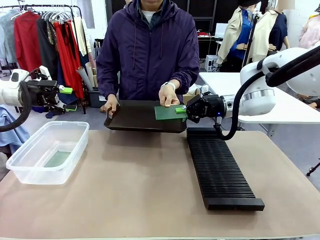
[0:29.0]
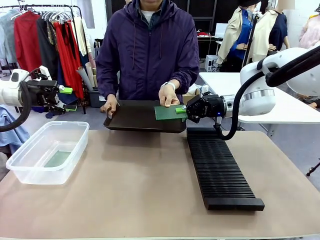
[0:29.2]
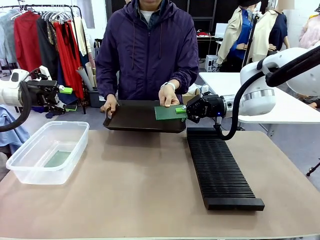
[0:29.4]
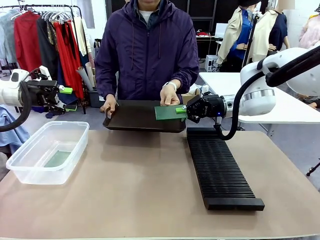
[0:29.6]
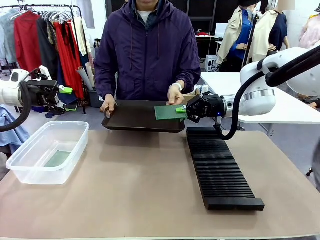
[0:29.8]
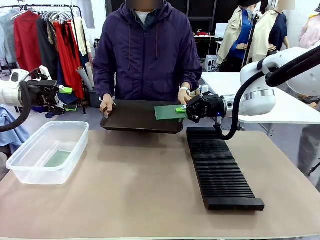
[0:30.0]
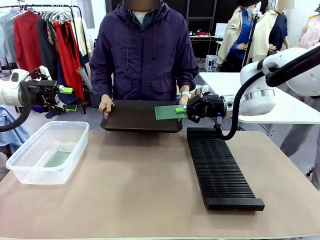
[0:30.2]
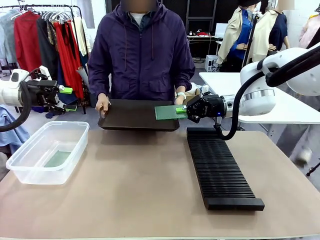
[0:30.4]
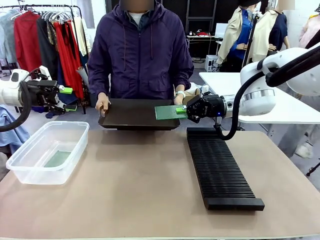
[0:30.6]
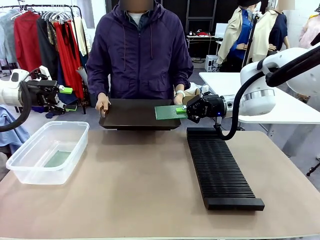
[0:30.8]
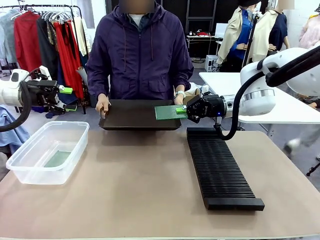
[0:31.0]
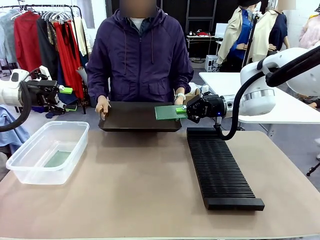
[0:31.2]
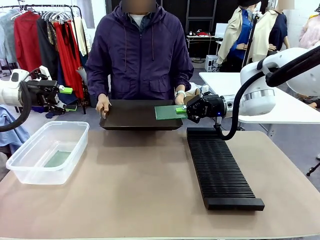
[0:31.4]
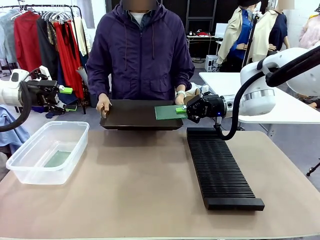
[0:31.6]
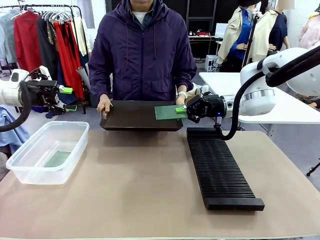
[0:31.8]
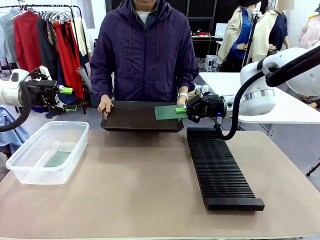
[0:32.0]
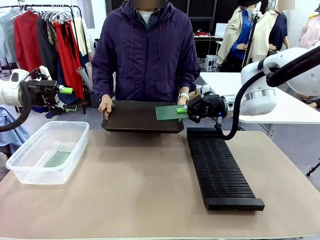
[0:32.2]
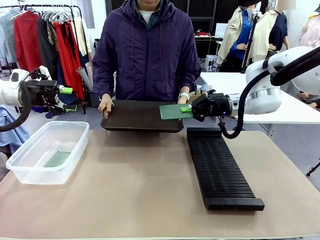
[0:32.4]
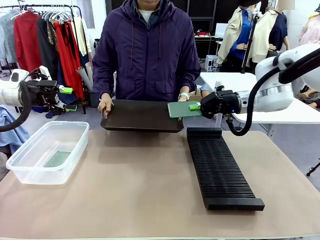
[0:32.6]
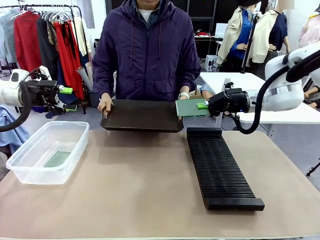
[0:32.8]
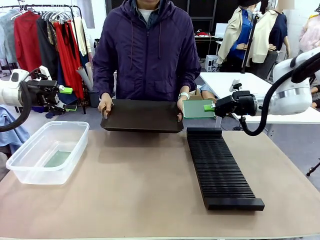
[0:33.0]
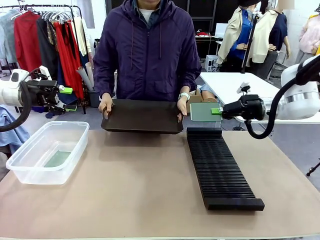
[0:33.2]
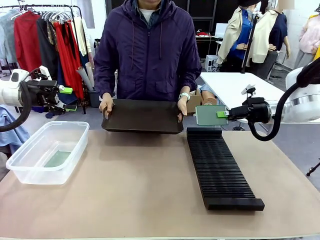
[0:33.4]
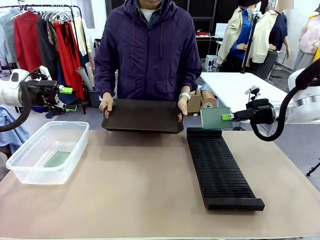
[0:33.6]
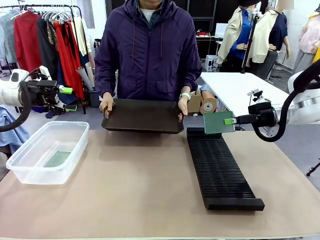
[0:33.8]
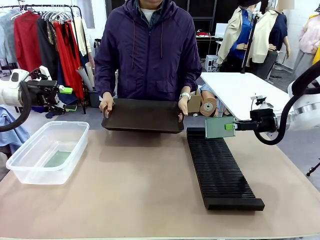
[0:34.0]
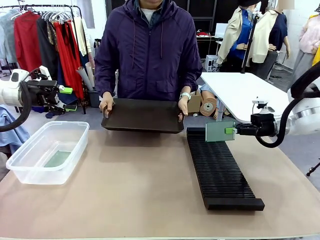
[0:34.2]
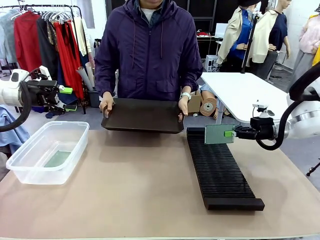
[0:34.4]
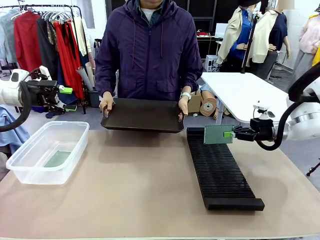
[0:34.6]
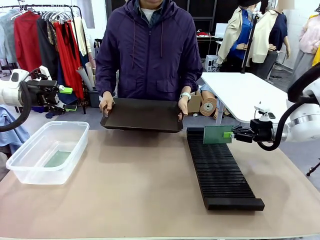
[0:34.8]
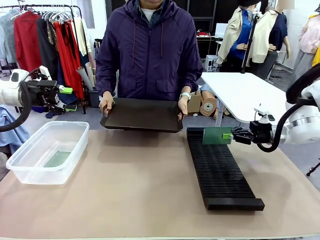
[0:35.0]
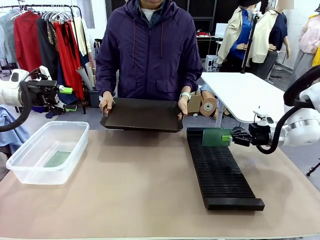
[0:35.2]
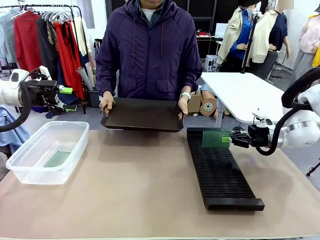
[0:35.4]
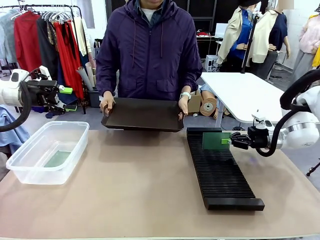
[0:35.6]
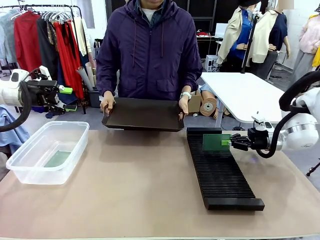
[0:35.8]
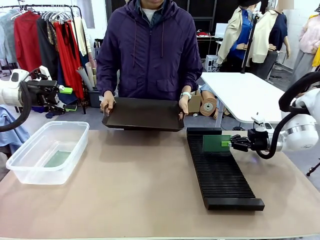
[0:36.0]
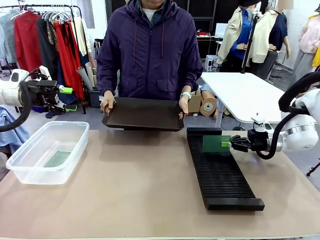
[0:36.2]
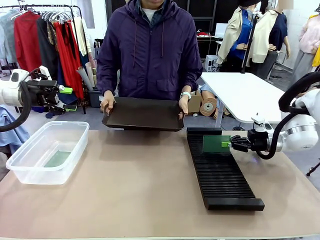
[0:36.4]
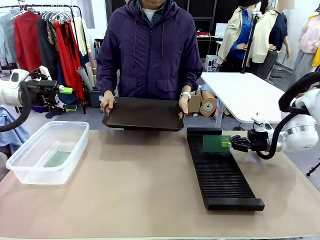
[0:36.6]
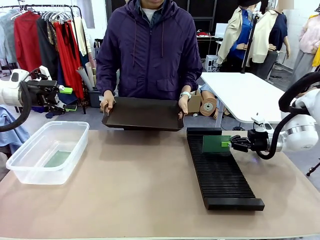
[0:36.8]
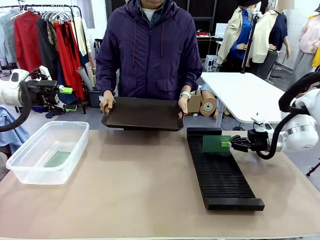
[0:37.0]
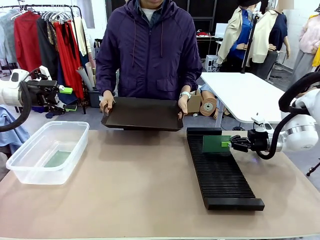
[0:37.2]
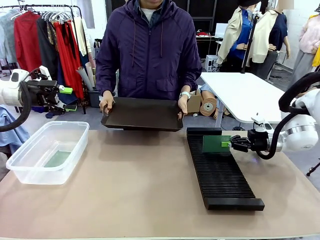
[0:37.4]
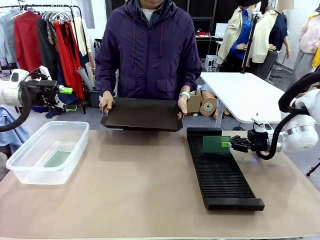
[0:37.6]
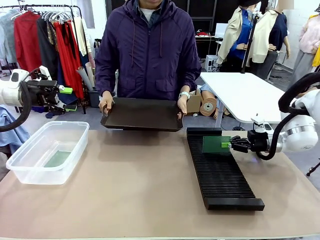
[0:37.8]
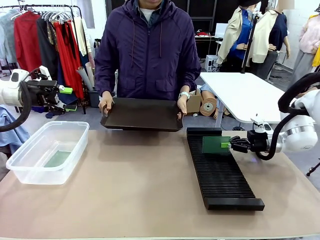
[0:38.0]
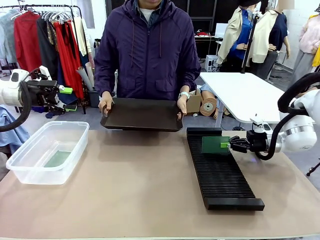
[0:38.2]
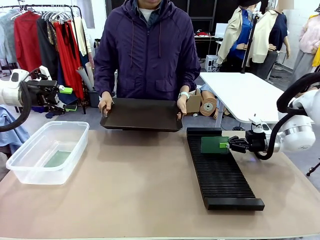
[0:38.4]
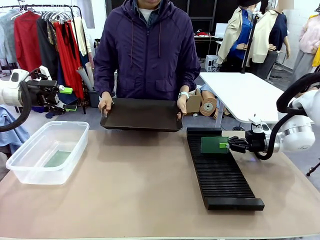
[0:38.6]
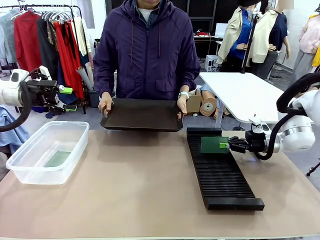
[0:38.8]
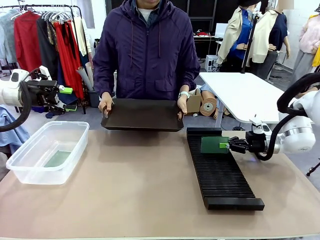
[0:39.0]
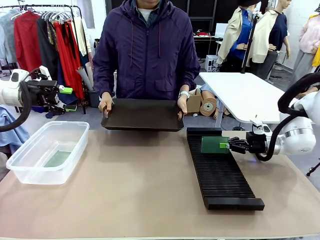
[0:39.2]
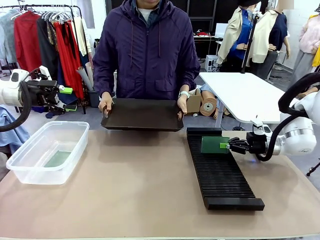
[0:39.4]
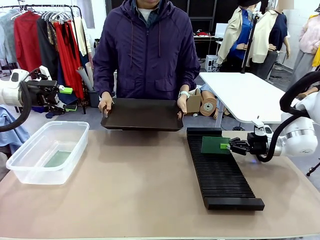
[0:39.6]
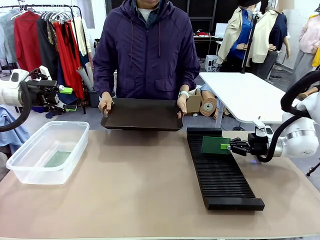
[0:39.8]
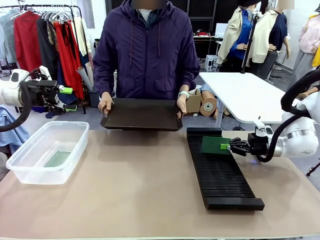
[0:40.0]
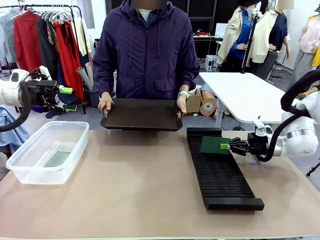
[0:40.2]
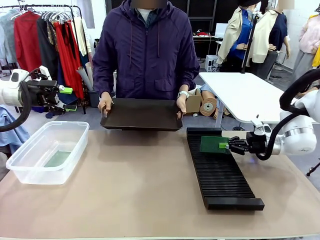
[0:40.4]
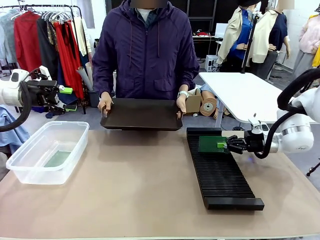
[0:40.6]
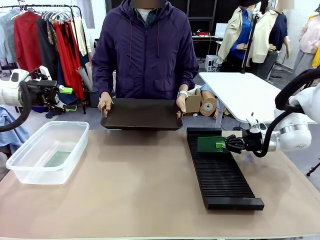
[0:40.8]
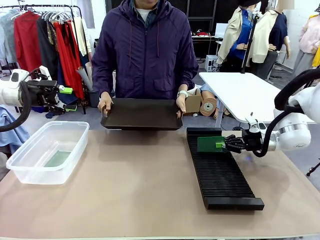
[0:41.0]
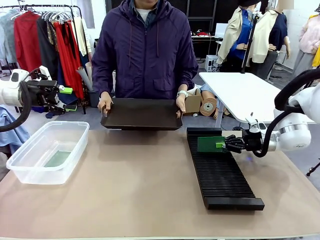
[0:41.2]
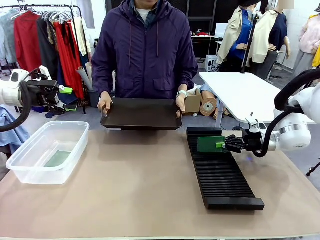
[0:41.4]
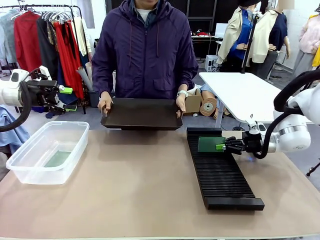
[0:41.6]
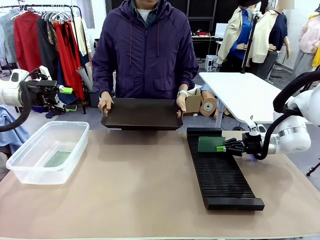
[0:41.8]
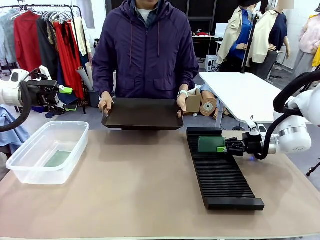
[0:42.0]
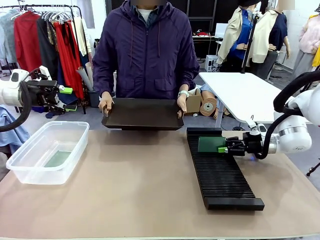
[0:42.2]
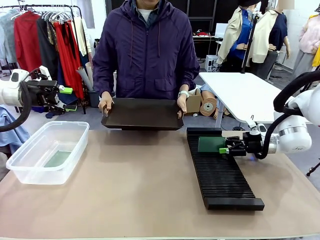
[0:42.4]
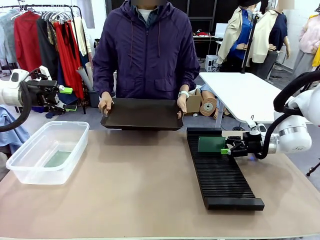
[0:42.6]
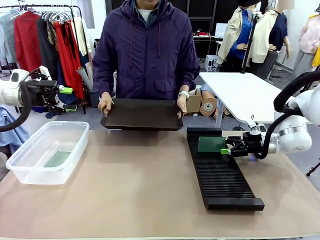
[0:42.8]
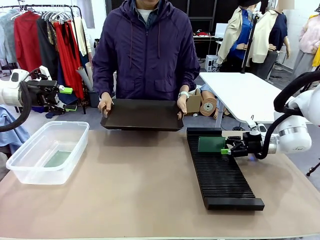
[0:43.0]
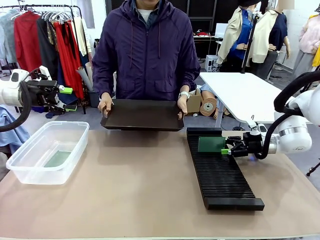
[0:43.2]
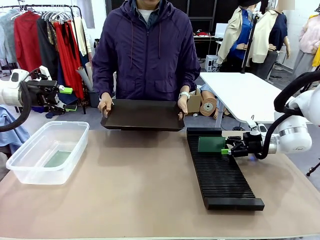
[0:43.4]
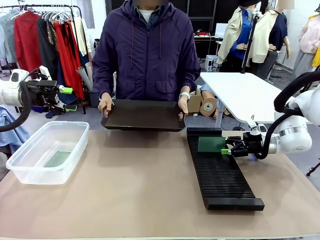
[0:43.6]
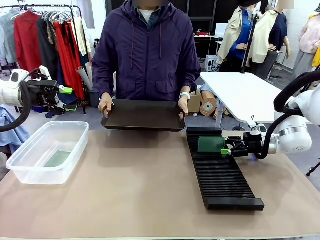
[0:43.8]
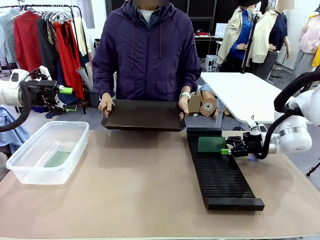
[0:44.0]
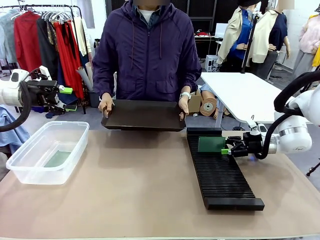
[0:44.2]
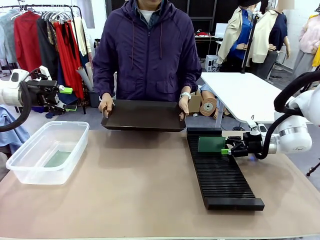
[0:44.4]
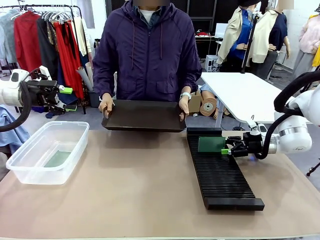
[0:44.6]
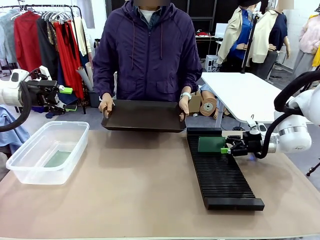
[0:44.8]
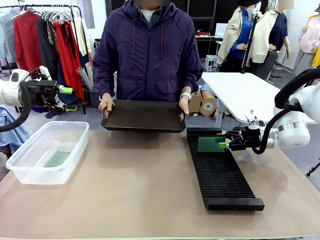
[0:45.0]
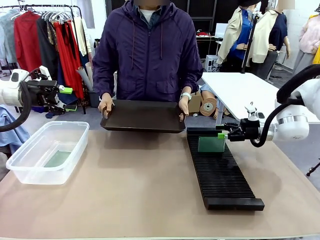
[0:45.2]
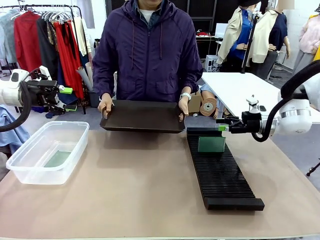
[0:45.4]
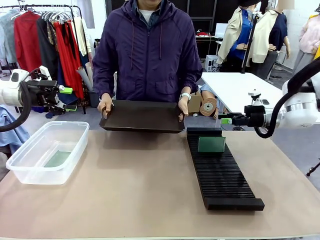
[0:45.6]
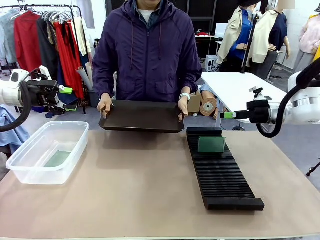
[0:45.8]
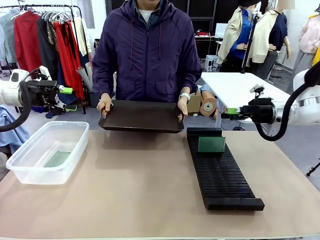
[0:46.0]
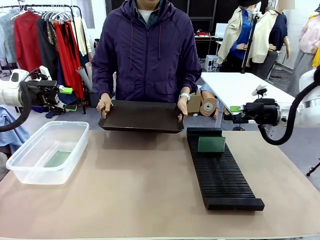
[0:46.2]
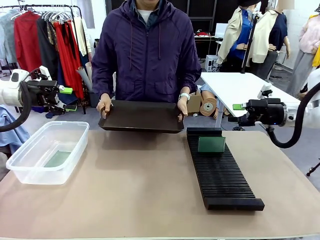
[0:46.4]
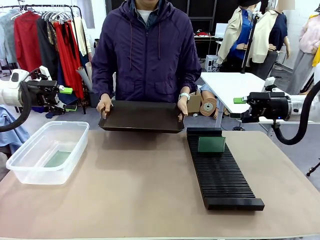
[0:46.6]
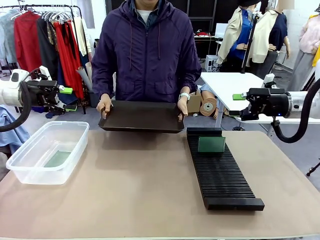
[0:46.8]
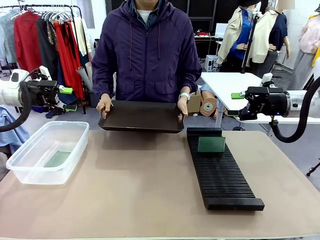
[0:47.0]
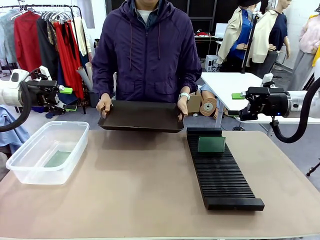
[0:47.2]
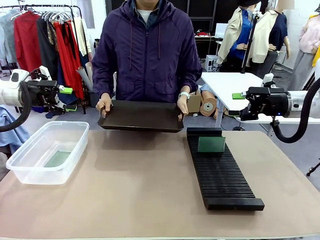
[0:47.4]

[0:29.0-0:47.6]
Task: Sort PCBs into racks and boxes based on the side picked up.
Robot: If the short side of the Blank PCB is picked up, insert it into the PCB Rack ; if the long side is picked up, place it in the Organizing box.
Person: Release the PCB being held.
